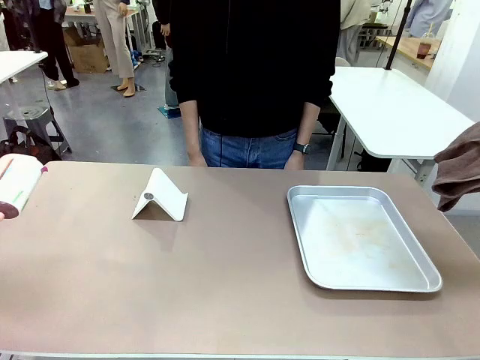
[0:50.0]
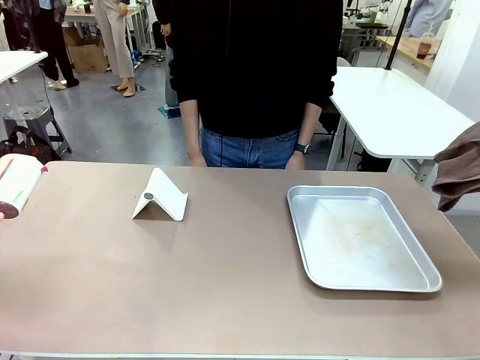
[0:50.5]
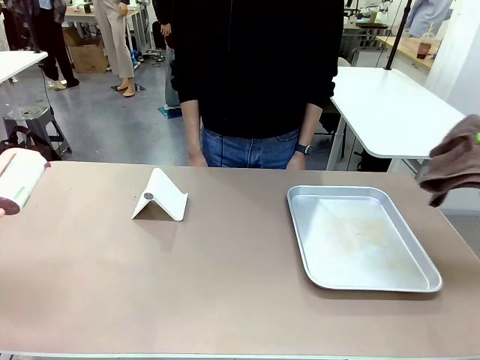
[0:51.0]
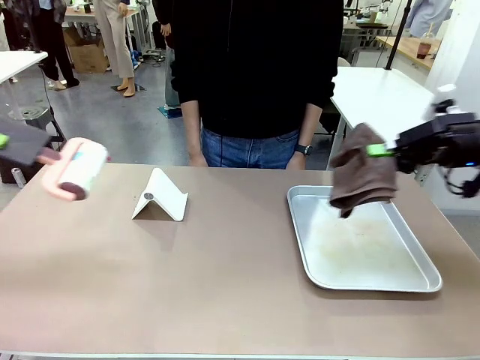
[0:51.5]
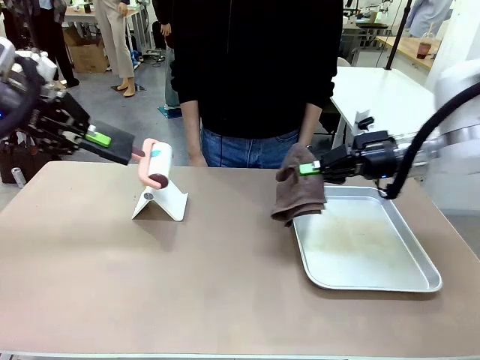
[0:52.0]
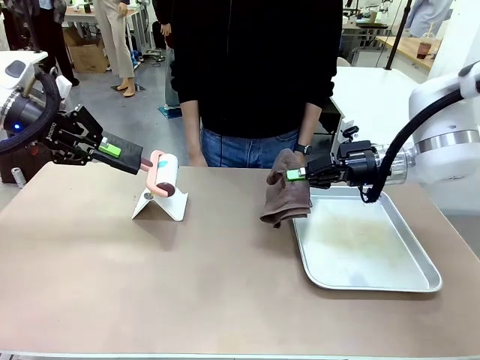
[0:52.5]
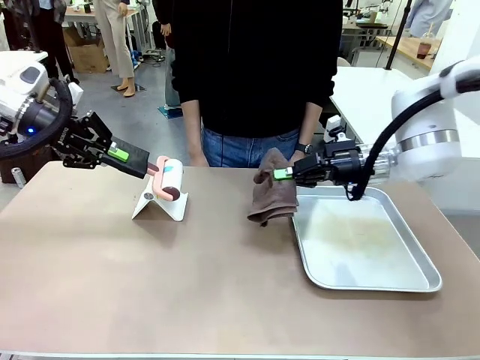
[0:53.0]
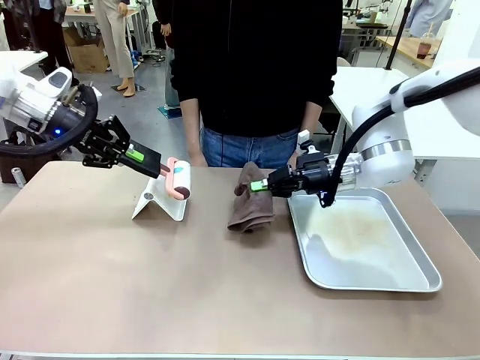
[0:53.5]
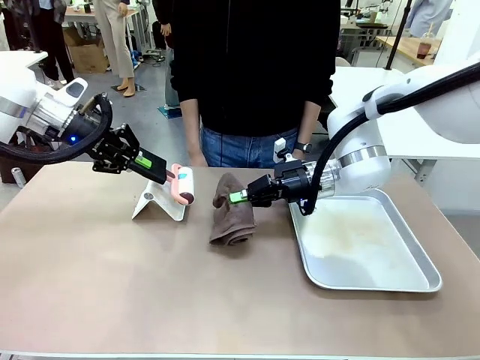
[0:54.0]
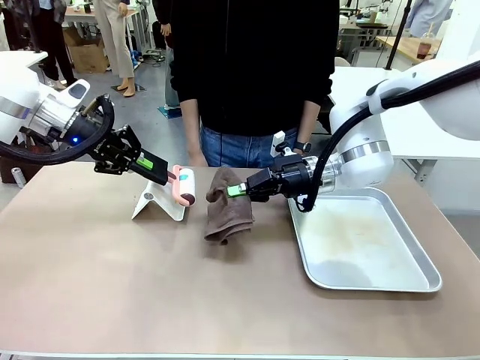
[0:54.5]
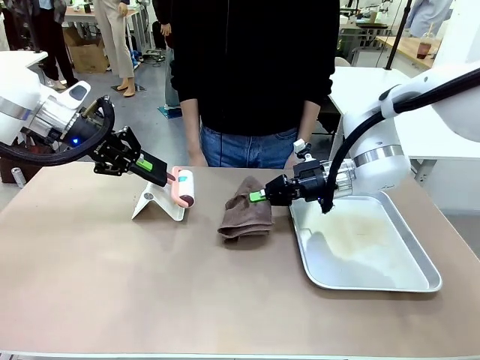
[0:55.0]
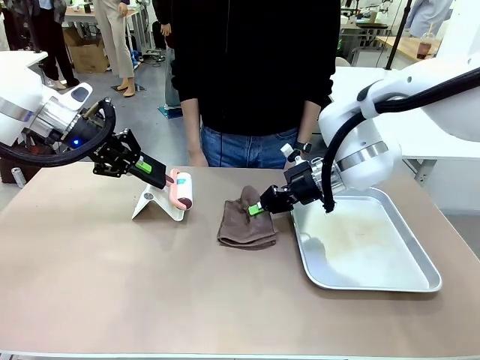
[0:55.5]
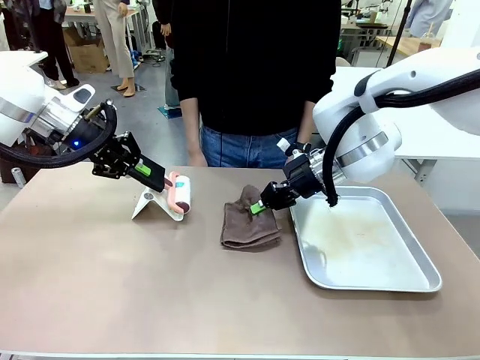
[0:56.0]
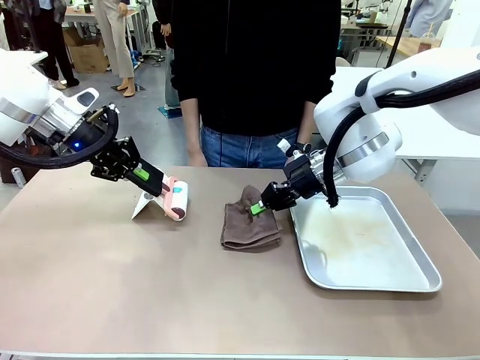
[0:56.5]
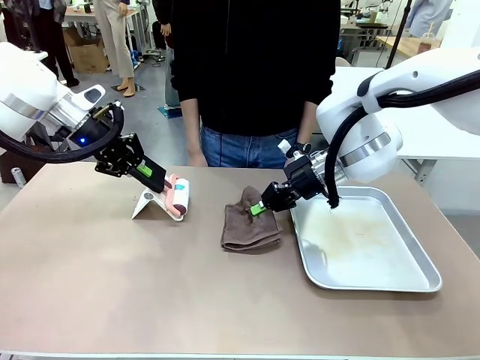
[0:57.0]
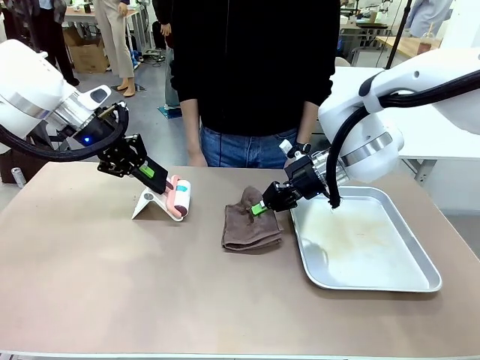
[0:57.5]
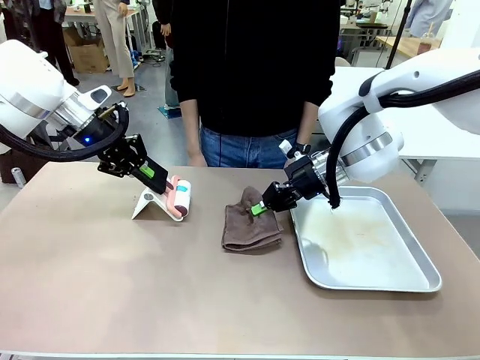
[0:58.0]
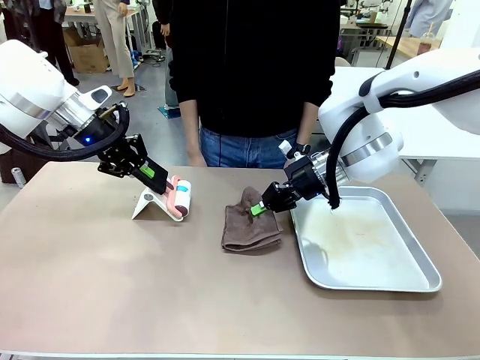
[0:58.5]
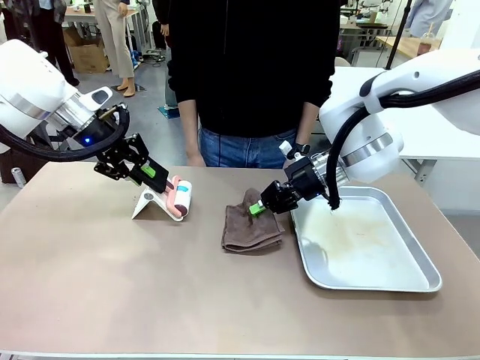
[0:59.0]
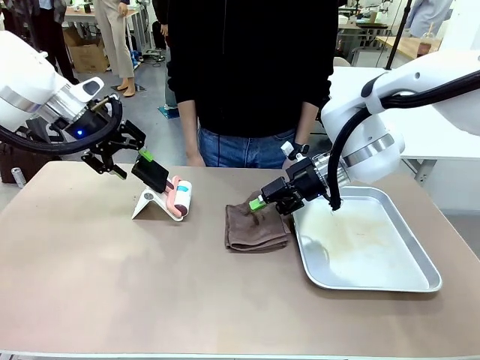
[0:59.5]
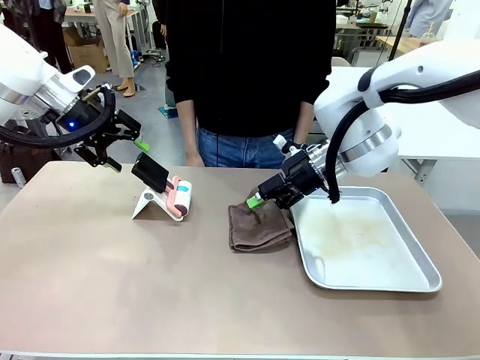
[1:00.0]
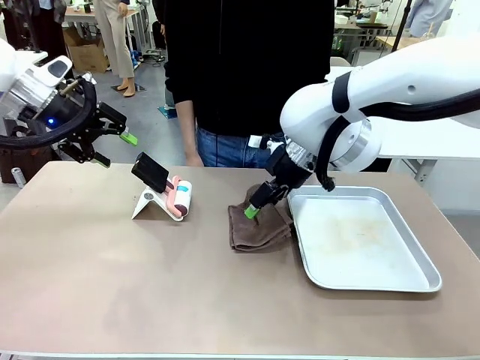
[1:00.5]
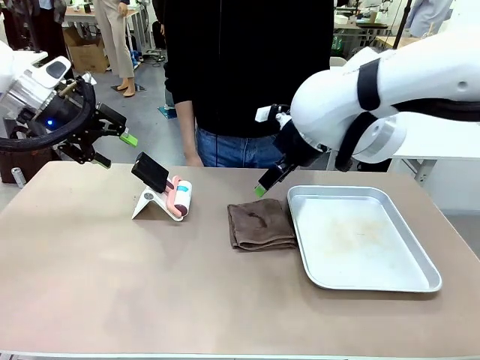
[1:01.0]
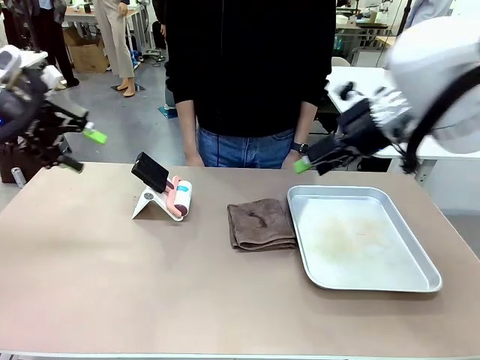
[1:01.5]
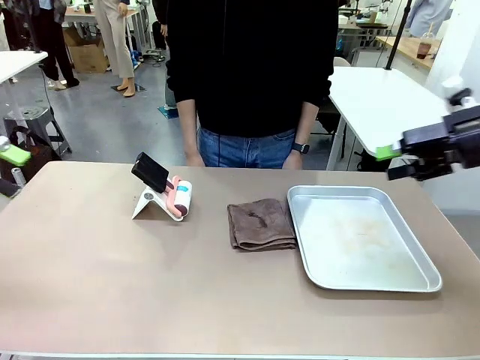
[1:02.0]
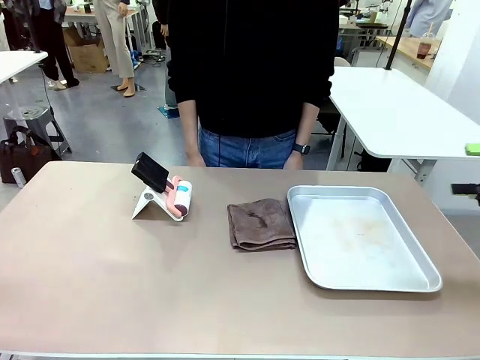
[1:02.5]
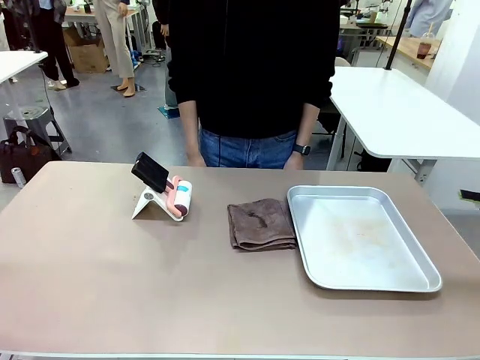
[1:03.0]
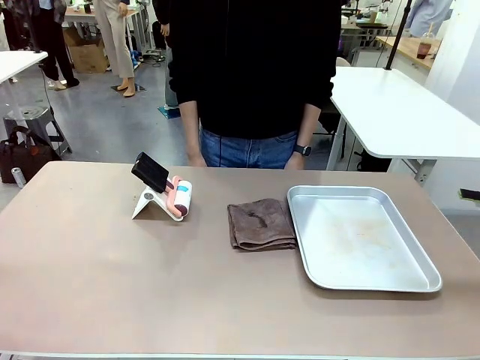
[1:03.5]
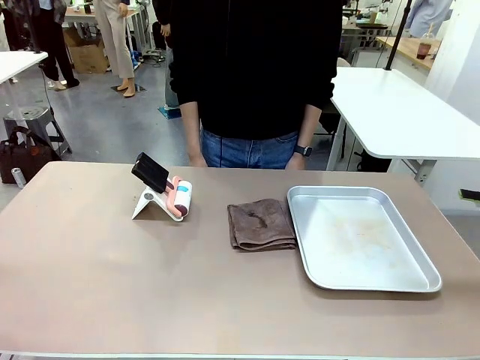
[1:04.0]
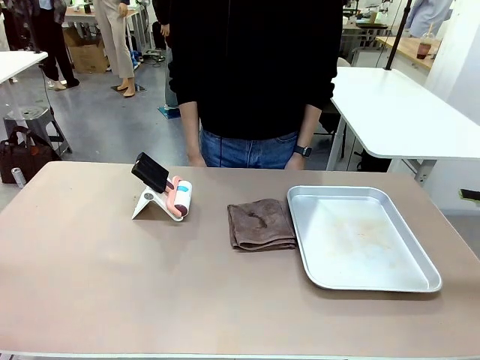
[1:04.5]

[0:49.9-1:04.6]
Task: Clean the surface of the table.
Robot: Return the Lint Roller and towel to their original positions.

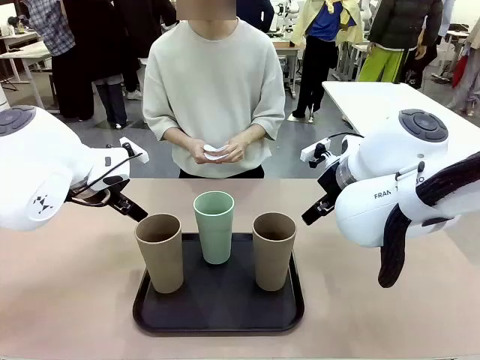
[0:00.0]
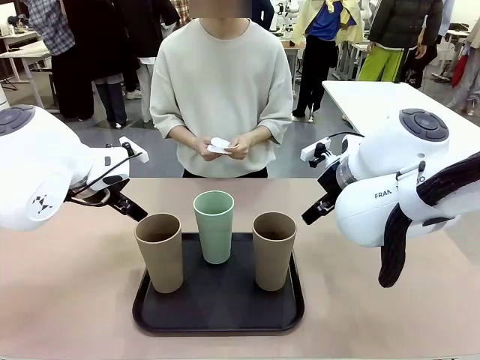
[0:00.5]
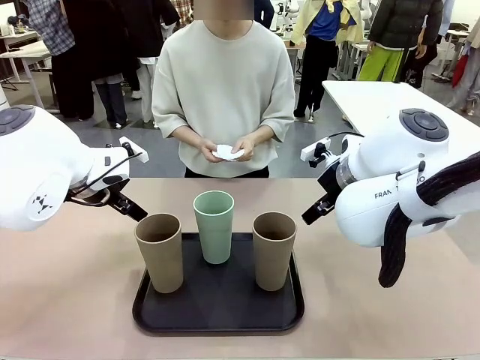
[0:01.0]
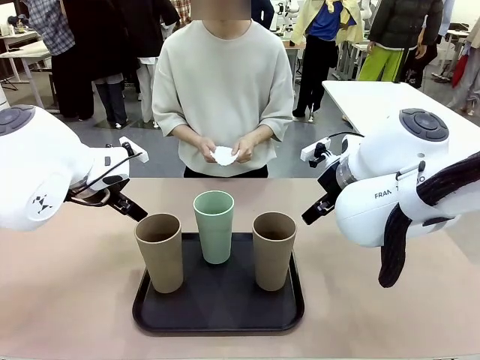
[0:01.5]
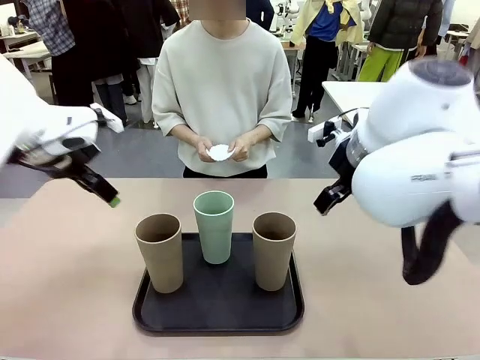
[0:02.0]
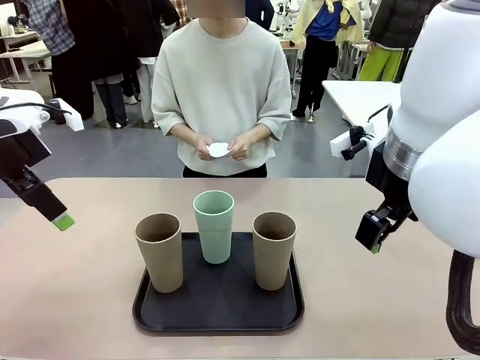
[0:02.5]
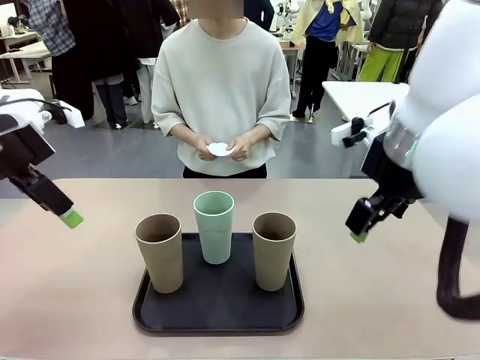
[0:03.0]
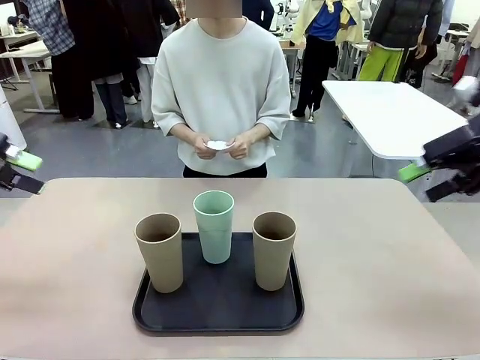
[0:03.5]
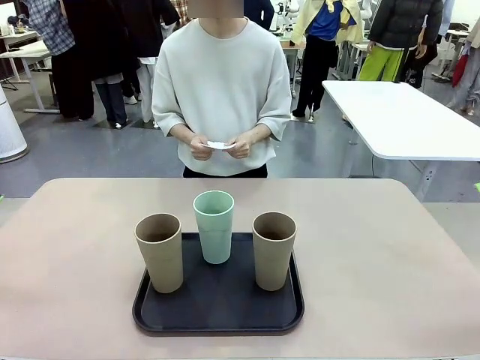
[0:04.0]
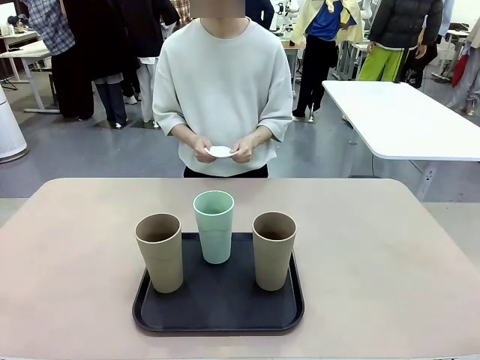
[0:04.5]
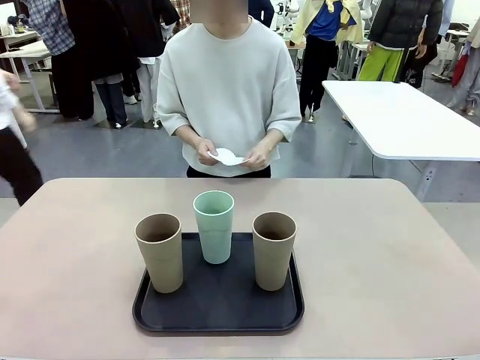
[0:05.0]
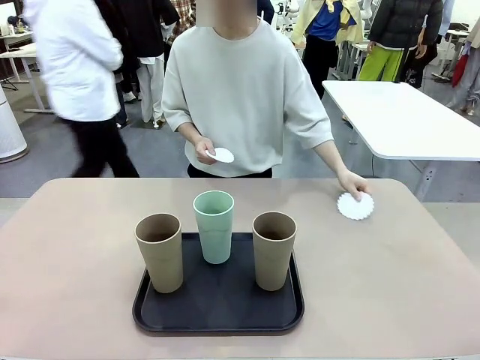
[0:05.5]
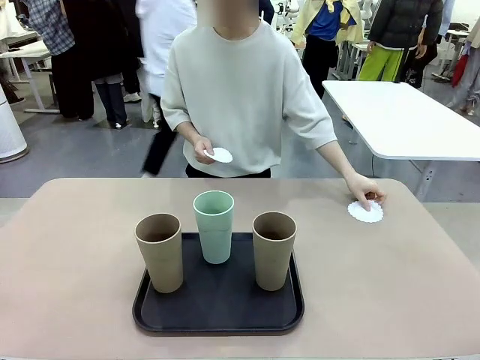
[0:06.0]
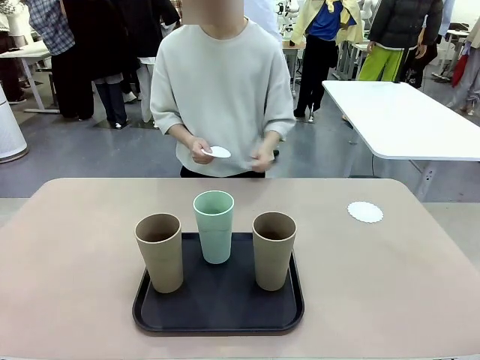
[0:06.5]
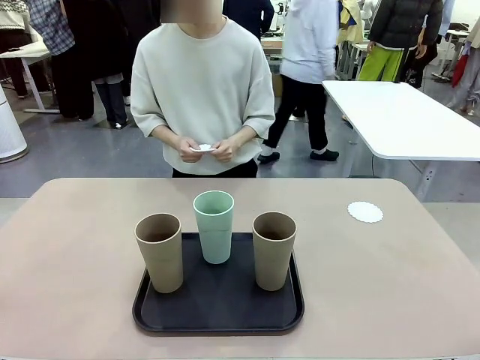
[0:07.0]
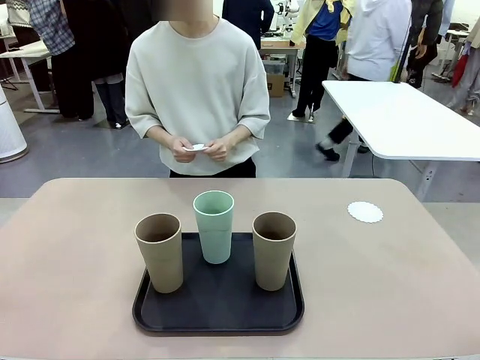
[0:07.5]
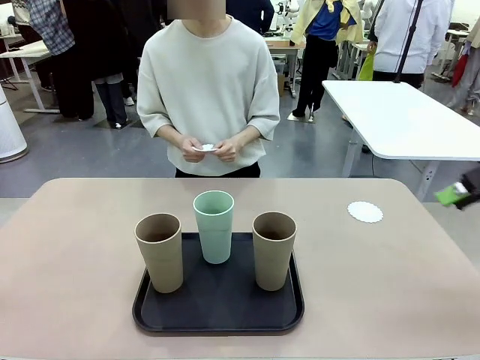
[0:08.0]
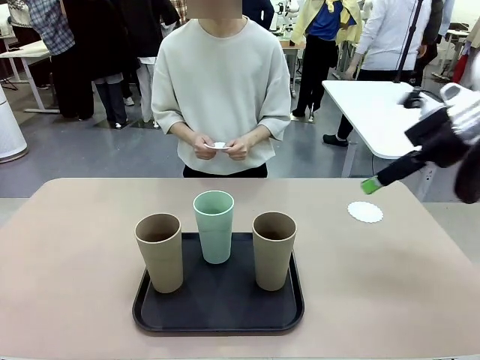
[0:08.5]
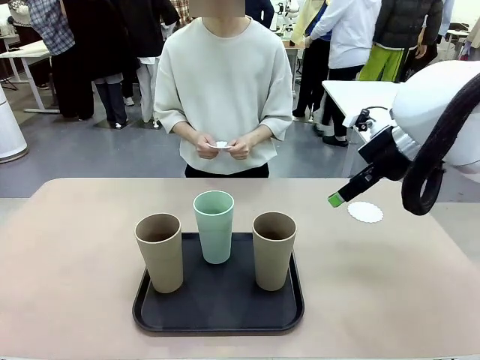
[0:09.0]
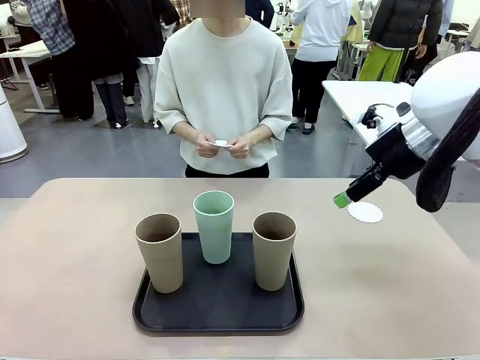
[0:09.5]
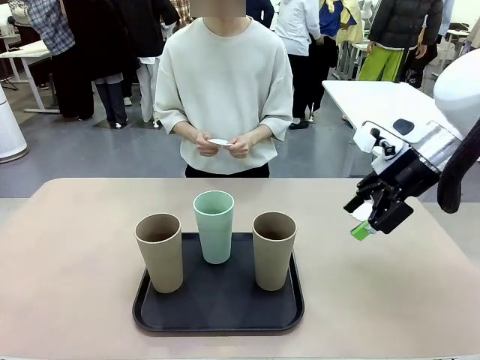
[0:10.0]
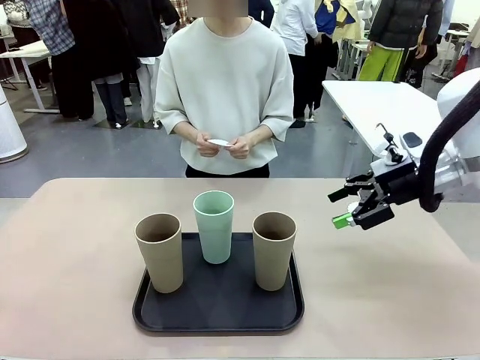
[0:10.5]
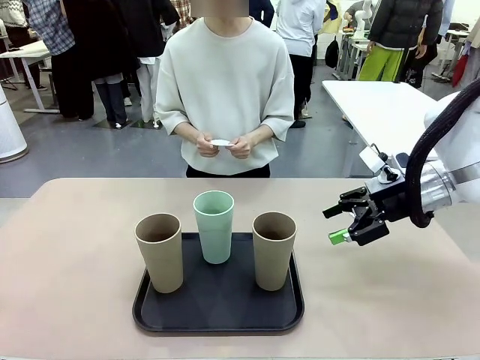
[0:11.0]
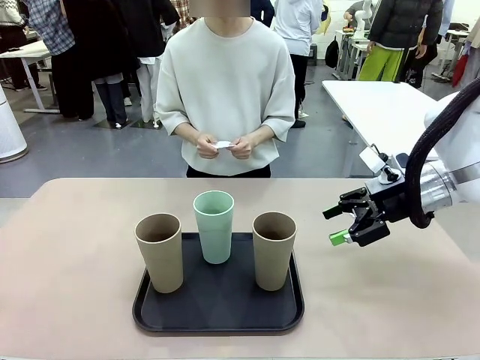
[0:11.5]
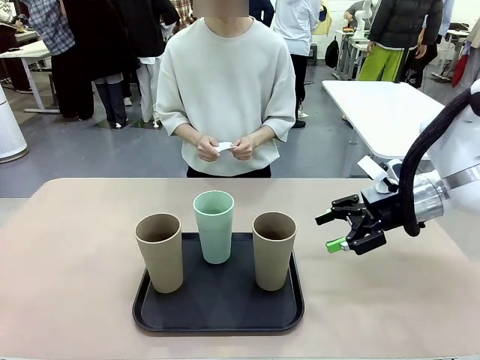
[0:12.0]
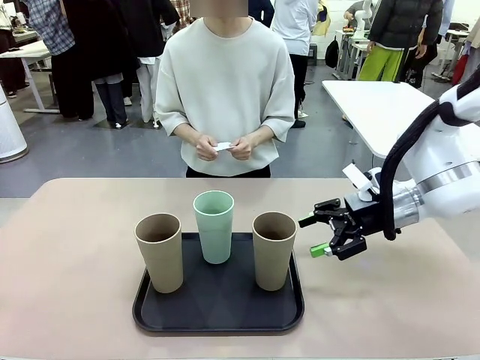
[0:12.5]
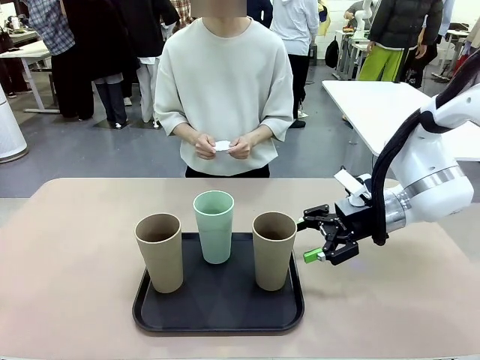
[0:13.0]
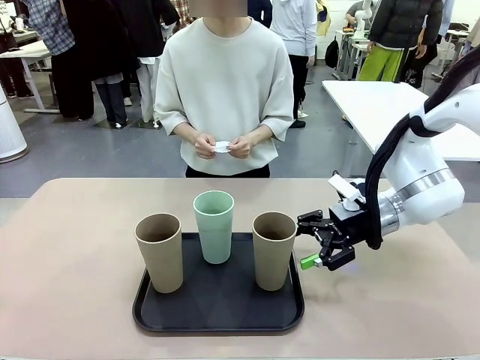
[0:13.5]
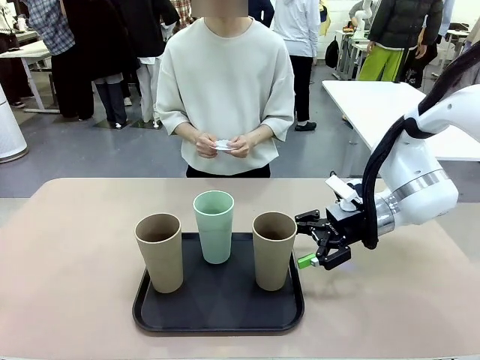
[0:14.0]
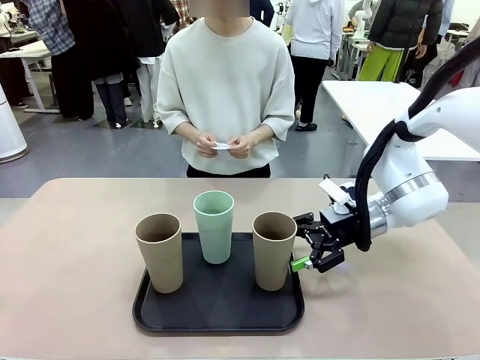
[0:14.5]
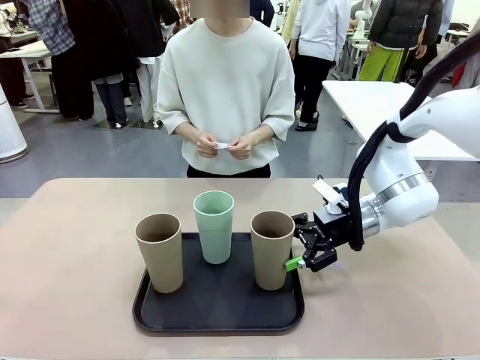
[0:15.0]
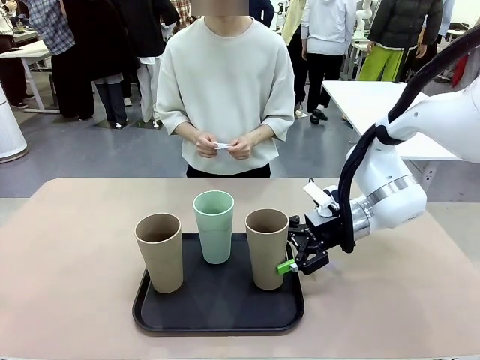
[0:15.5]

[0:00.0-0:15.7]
Task: Place coasters on the table and set cups on them.
Robot: Pick up one Reusable plastic cup and place it on a coaster set by the human.
Person: Place one coaster in any one of the three lower areas of the robot table (left, center, or right).
